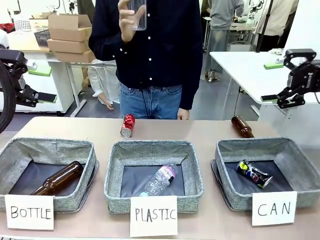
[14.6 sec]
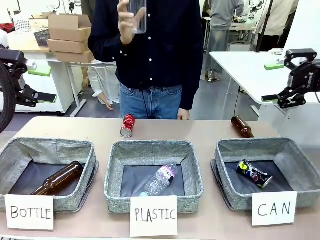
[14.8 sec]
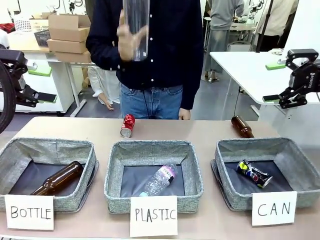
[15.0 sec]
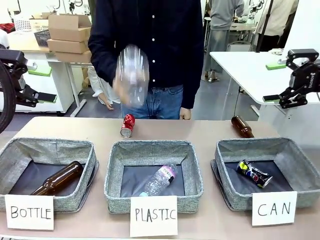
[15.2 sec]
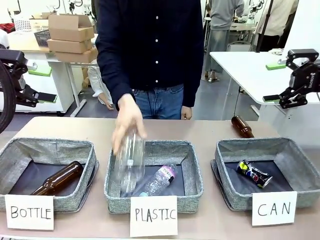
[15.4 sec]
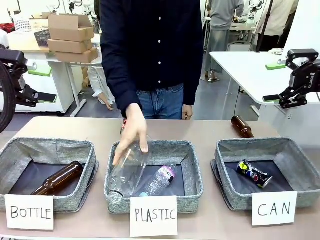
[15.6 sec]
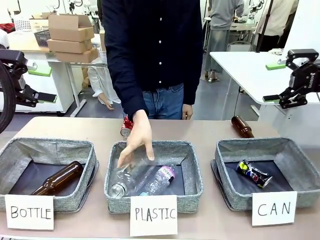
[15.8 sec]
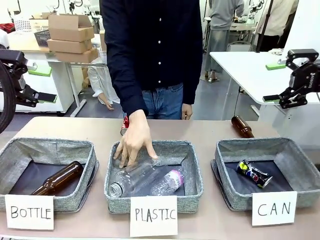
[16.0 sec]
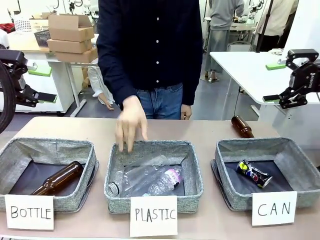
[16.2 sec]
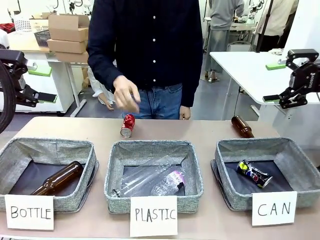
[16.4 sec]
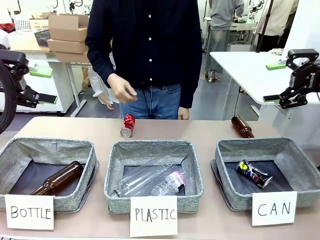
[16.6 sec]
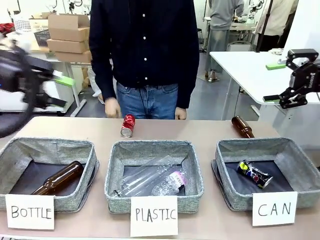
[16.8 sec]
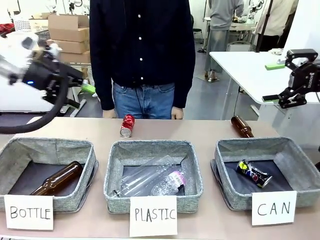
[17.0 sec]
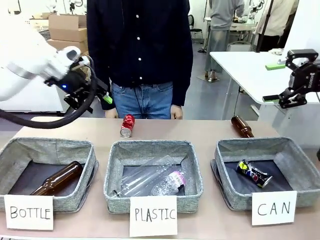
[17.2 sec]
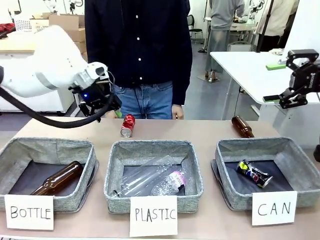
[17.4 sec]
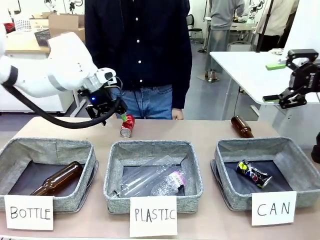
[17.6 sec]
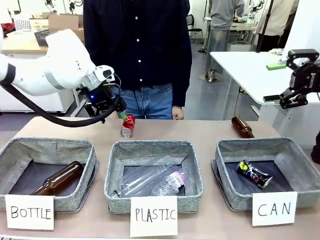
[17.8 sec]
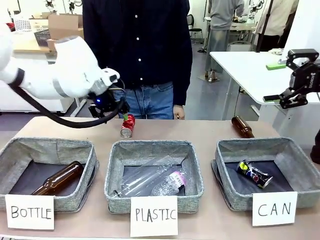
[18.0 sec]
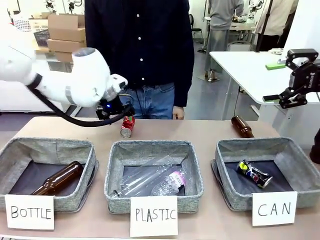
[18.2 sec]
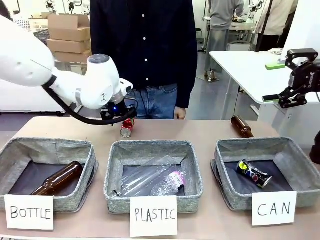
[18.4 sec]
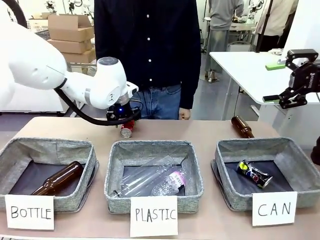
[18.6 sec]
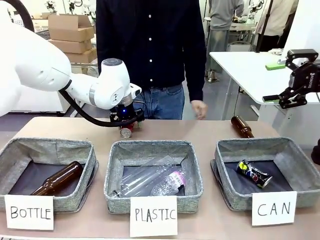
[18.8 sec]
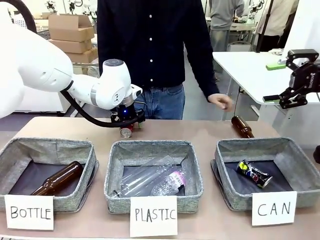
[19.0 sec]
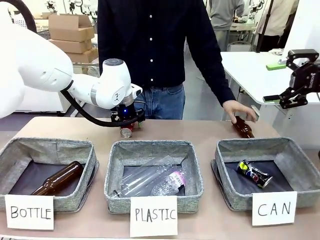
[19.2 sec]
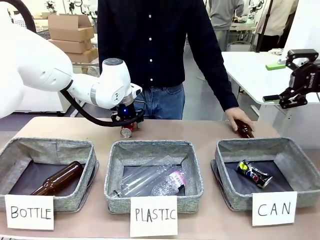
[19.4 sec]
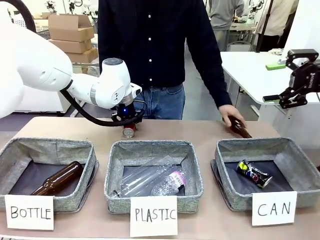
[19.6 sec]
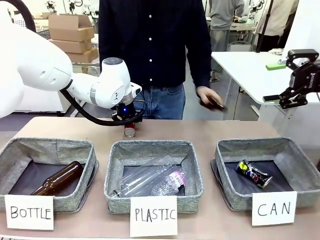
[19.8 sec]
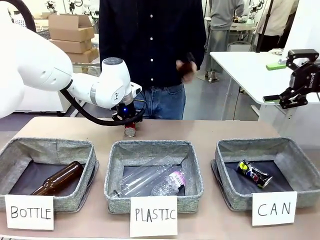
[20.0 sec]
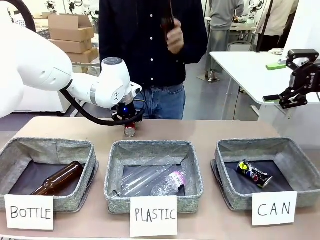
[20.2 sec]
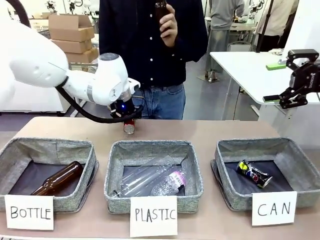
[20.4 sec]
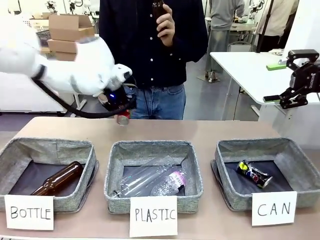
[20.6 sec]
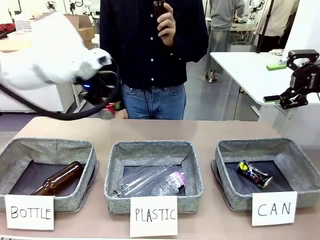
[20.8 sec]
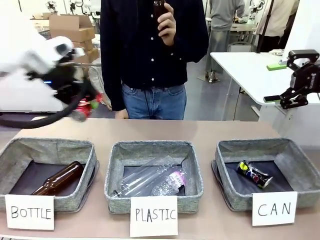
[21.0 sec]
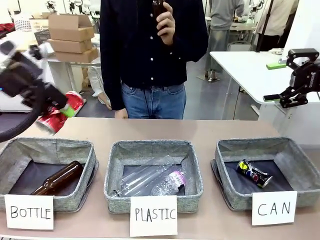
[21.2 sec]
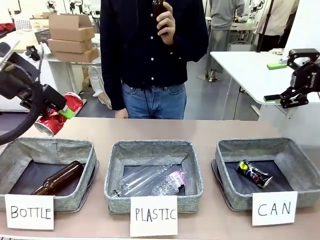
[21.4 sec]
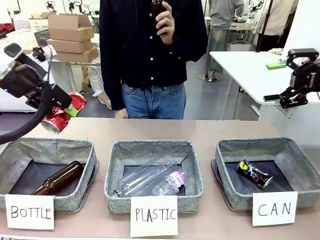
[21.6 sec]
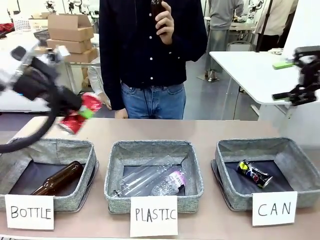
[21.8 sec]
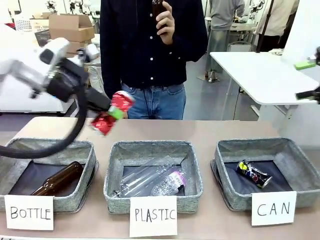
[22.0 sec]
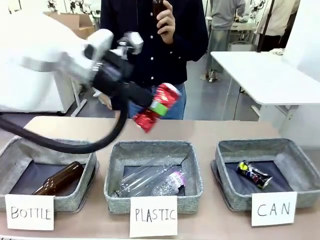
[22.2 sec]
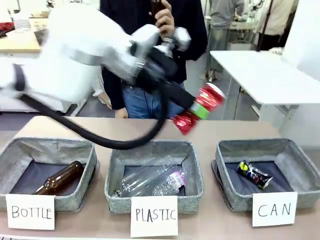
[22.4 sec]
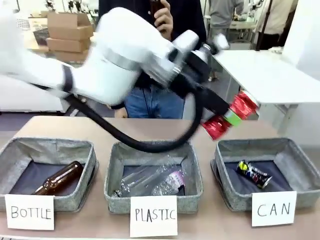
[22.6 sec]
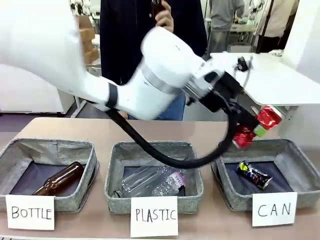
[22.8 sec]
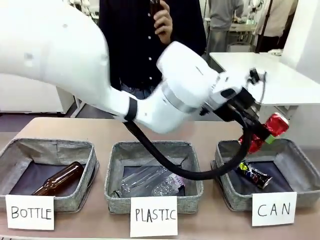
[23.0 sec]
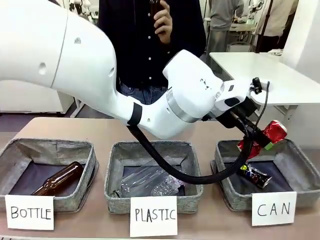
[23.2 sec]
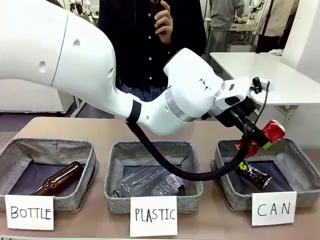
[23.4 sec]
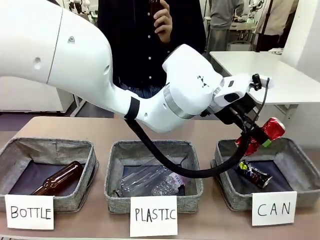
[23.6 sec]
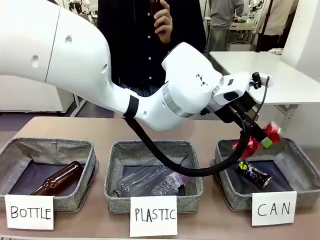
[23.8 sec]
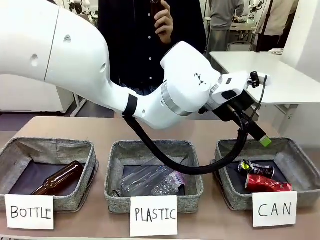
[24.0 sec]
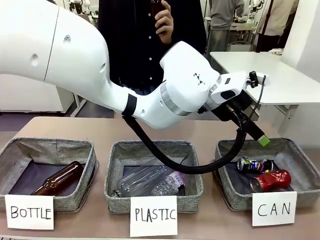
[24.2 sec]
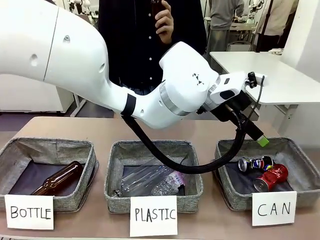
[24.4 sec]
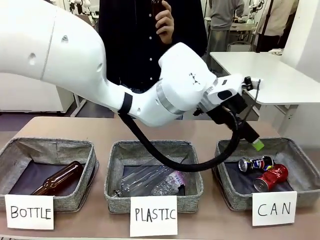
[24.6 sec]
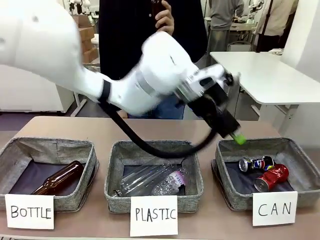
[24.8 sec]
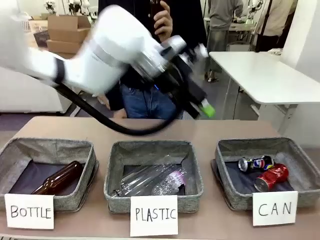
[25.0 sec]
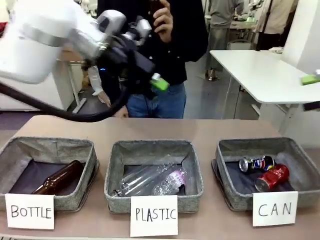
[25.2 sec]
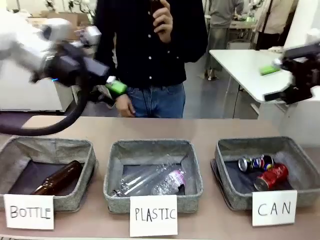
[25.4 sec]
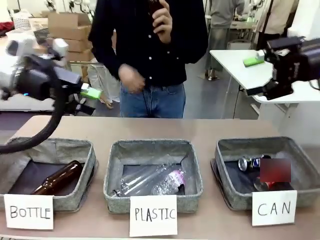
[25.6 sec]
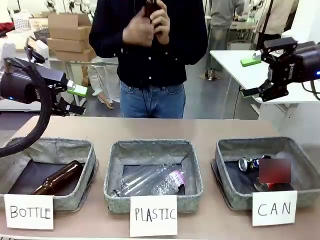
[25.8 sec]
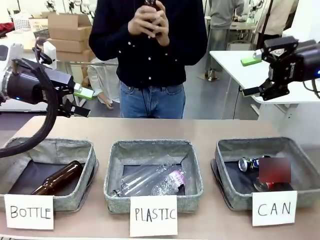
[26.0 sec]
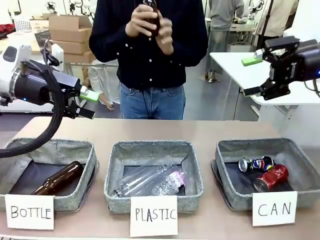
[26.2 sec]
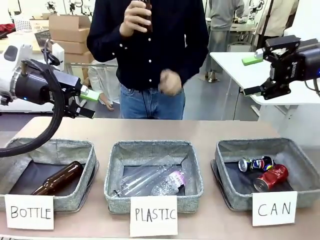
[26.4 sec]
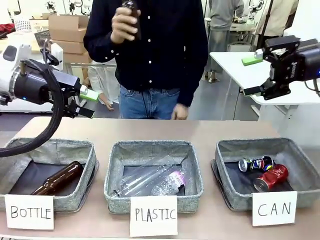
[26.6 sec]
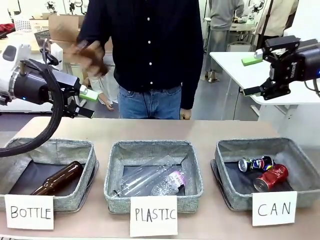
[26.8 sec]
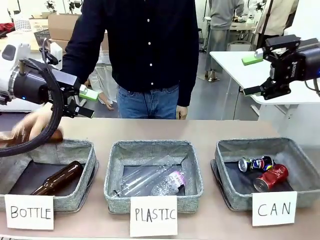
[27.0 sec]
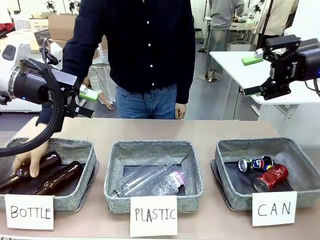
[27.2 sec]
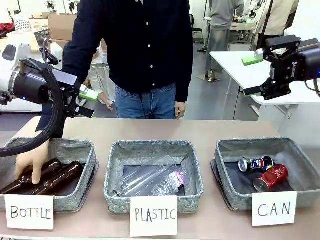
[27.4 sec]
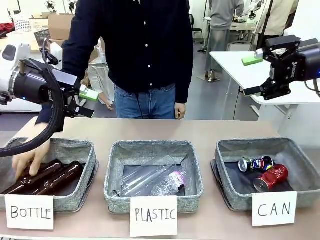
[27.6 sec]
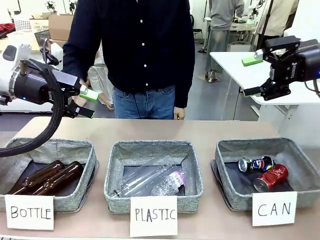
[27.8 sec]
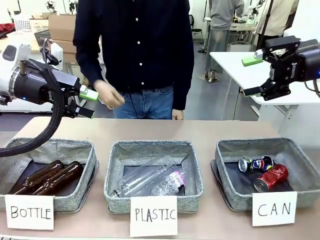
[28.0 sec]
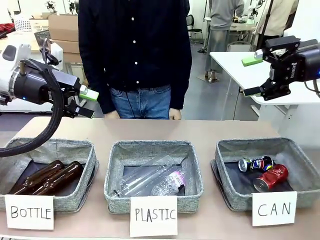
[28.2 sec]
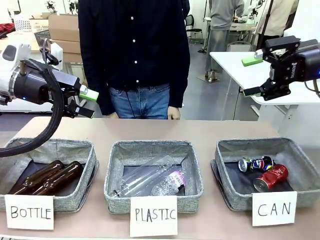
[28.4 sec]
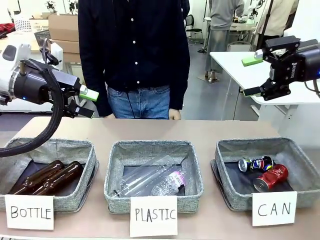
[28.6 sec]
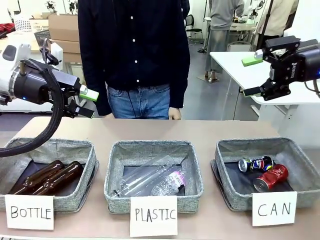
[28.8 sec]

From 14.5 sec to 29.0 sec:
Task: Sort the can waste into the basket.
Robot: Pick up the can waste from the table and place it in the right Fabric basket.
